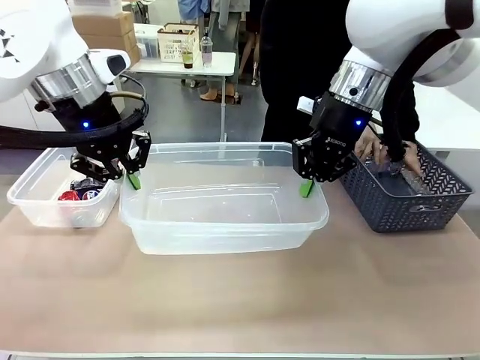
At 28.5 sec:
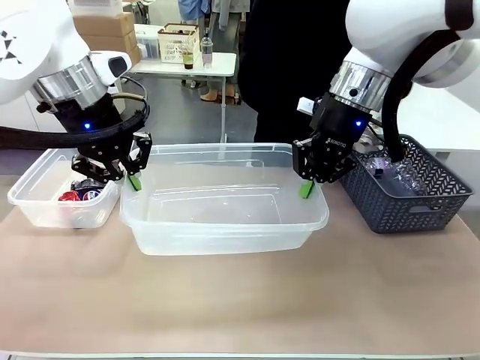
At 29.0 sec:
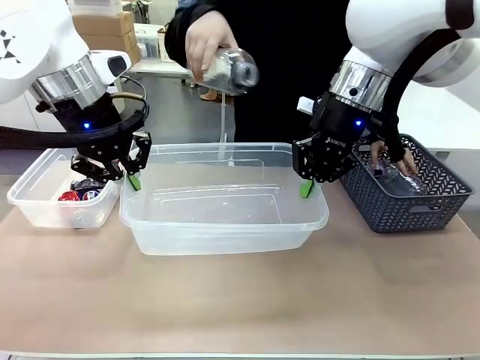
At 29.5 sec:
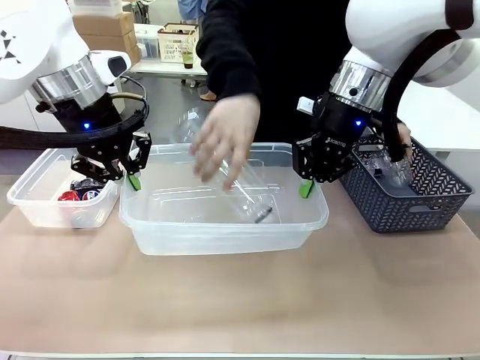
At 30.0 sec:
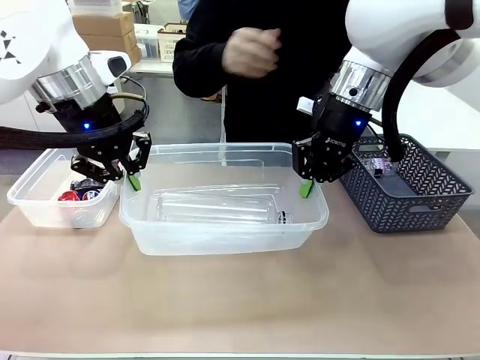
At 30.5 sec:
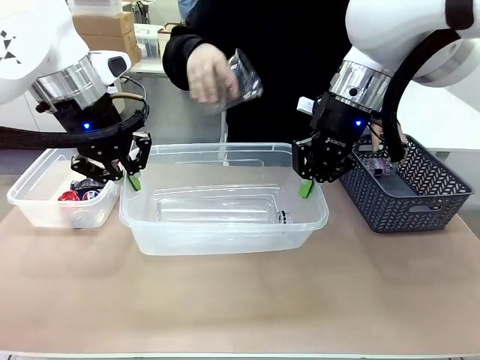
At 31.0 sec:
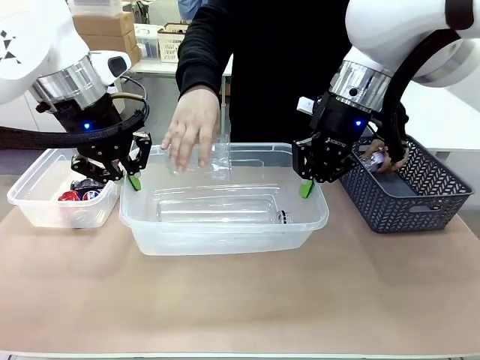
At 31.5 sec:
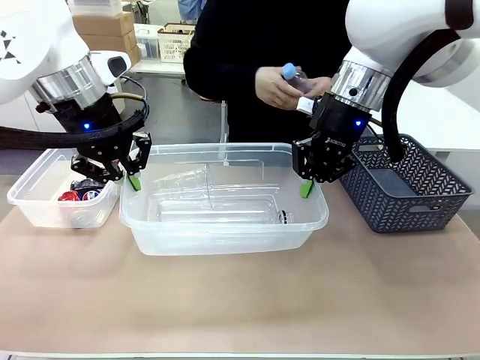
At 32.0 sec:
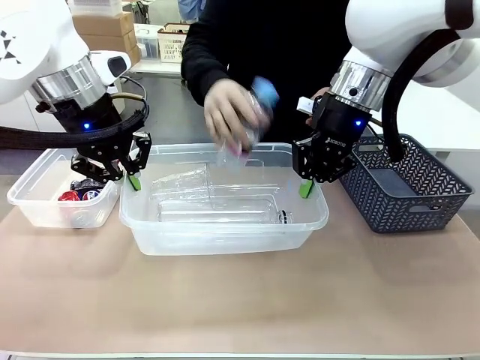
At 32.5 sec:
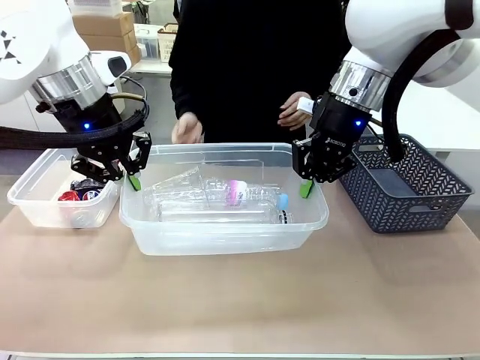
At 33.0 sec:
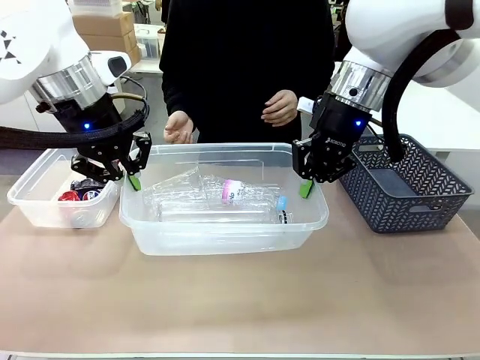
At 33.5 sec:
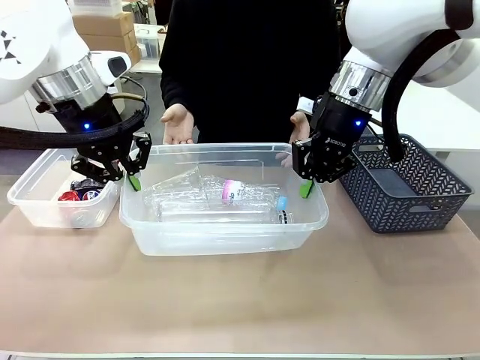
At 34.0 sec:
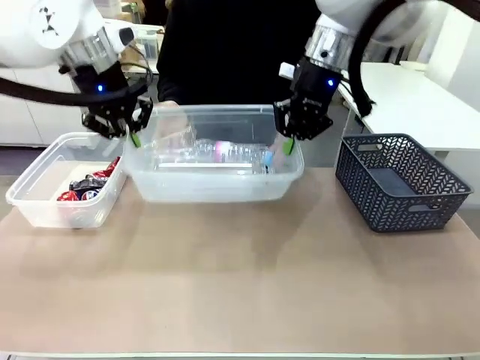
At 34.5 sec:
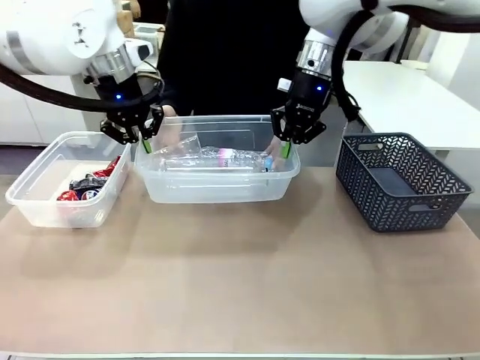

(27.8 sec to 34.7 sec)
Robot: Offer the picked Organizing box to the human.
Person: Pick up plastic waste one by one and place it into the organizing box lifted by the robot.

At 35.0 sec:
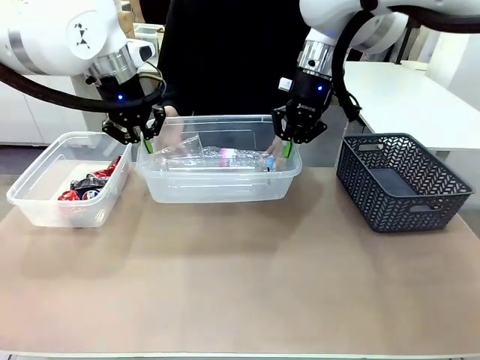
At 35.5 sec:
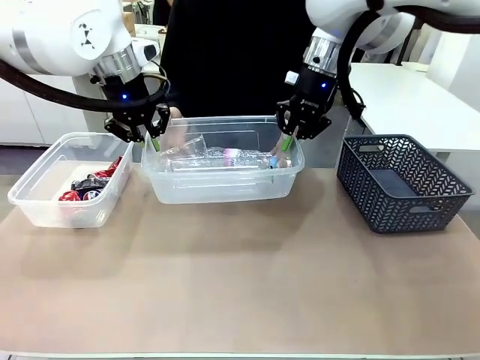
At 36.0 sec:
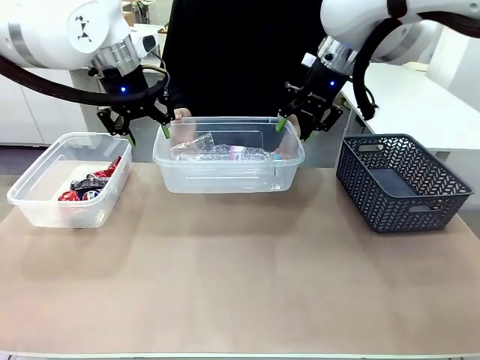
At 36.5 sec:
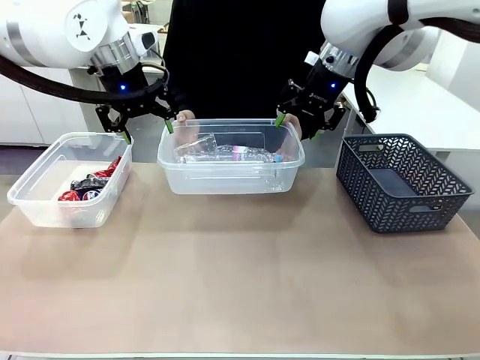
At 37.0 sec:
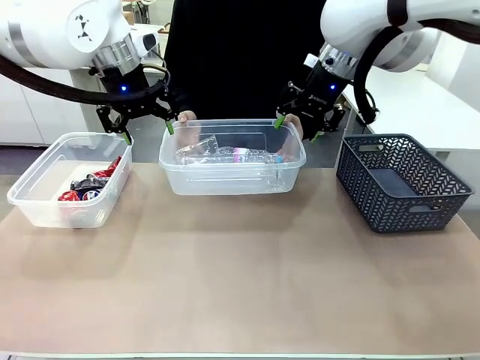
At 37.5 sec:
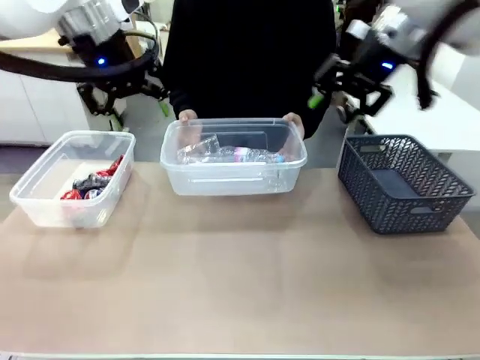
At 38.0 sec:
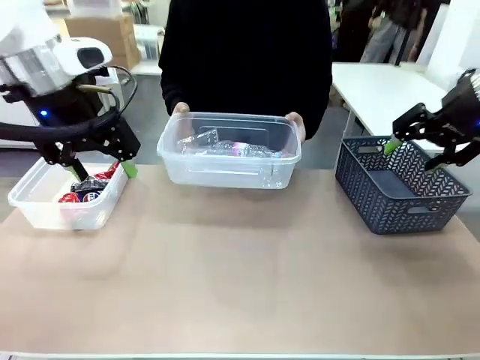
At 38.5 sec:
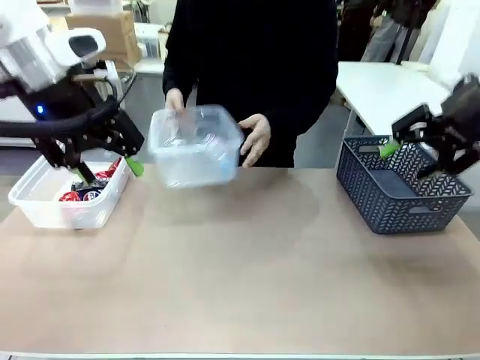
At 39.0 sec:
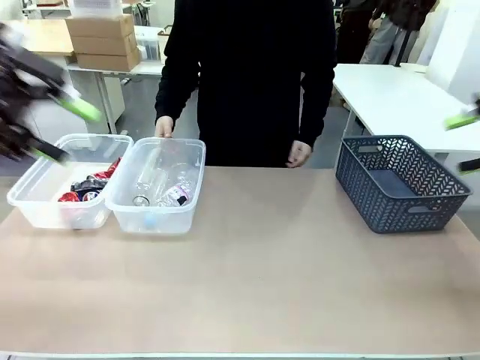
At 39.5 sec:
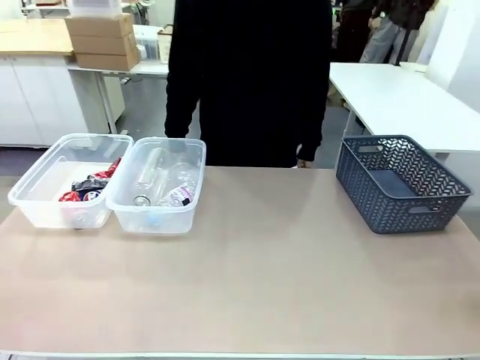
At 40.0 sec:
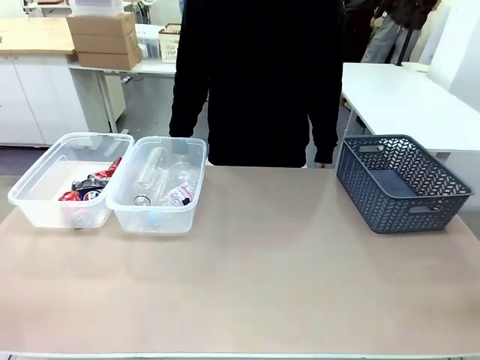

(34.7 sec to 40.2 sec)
Robot: Release the Organizing box you were holding.
Person: Pick up the organizing box extended by the robot. Place the organizing box to the left of the sorting box containing the can waste.

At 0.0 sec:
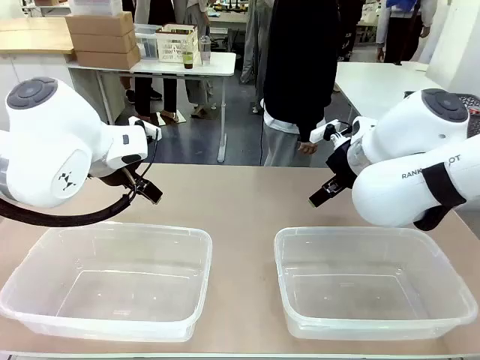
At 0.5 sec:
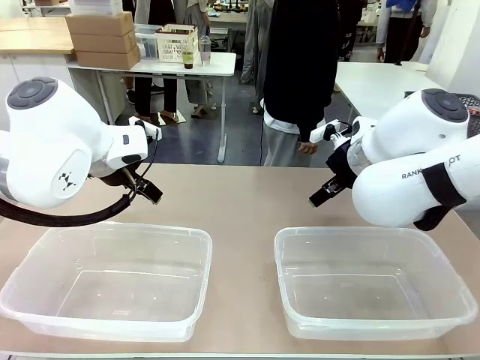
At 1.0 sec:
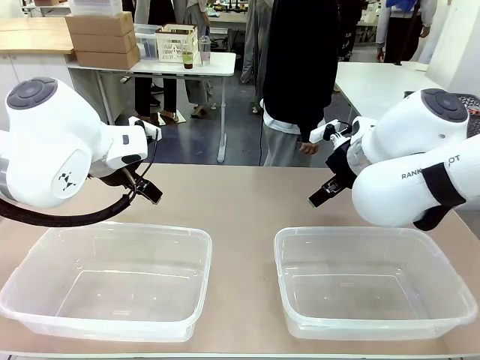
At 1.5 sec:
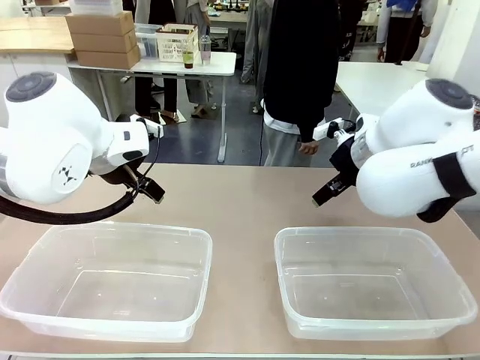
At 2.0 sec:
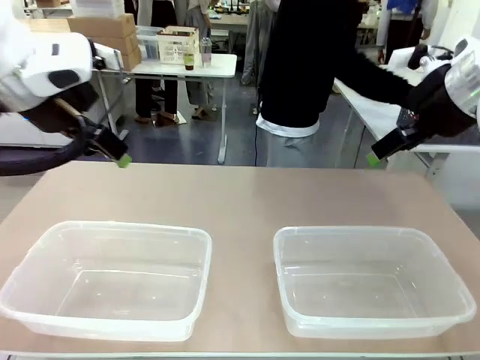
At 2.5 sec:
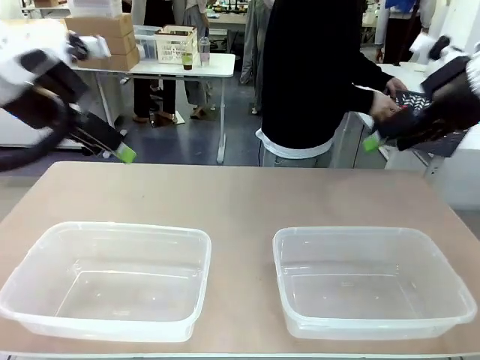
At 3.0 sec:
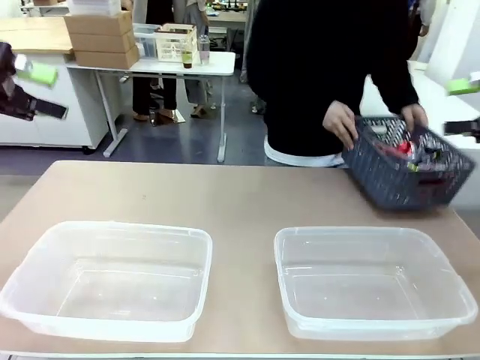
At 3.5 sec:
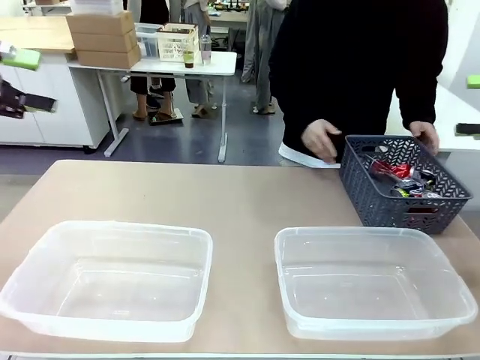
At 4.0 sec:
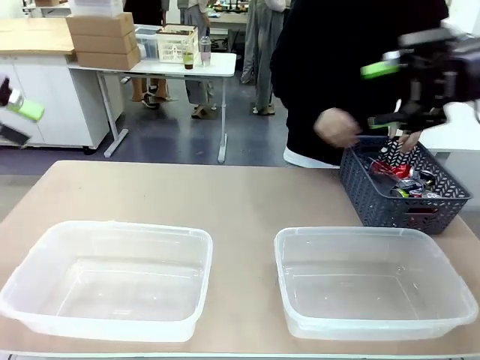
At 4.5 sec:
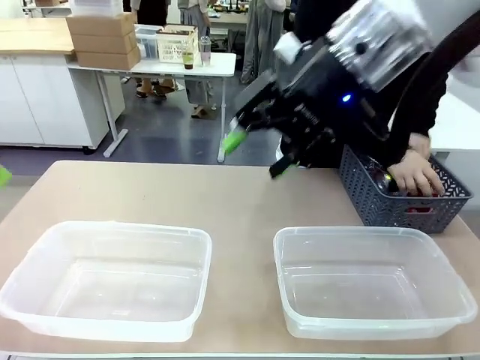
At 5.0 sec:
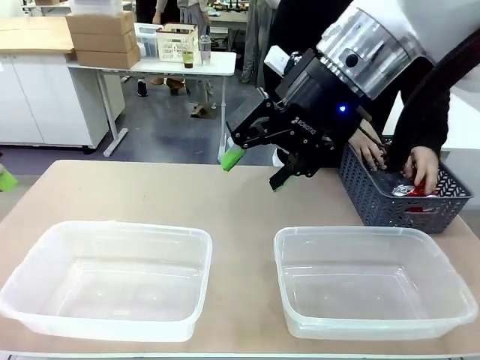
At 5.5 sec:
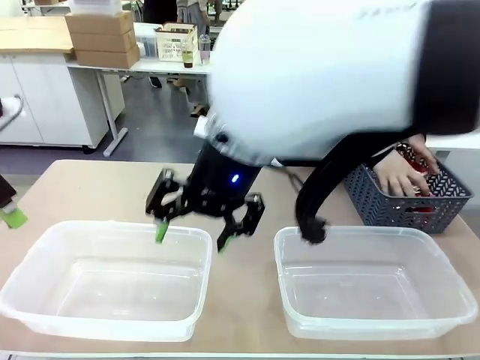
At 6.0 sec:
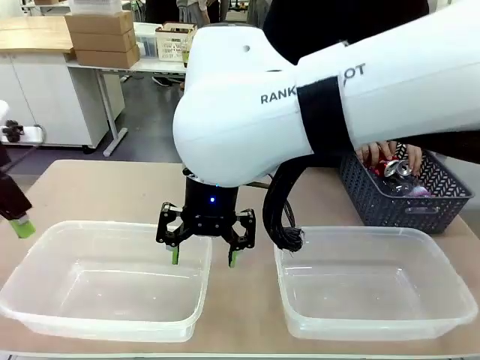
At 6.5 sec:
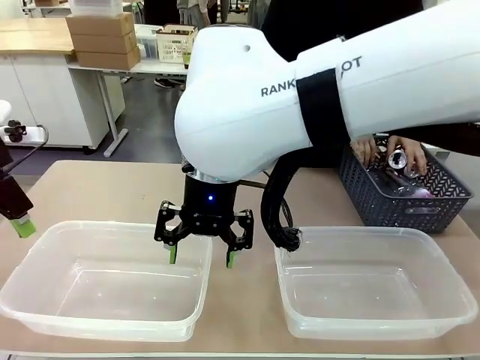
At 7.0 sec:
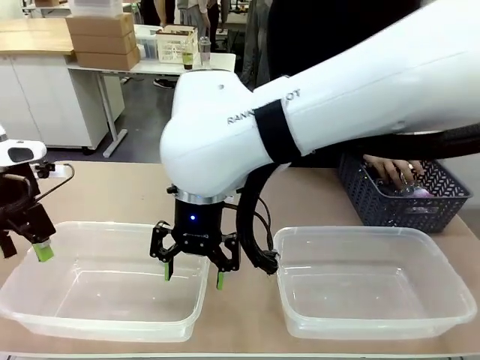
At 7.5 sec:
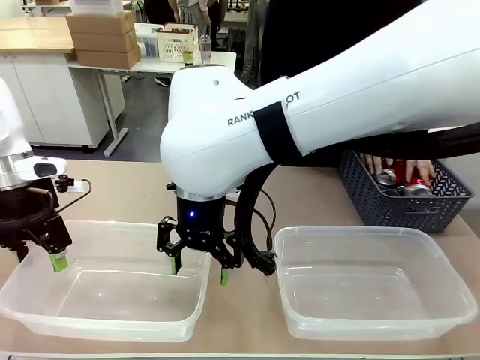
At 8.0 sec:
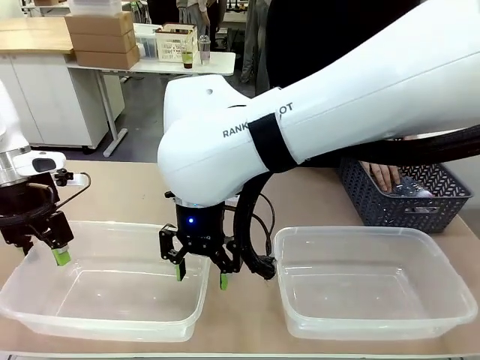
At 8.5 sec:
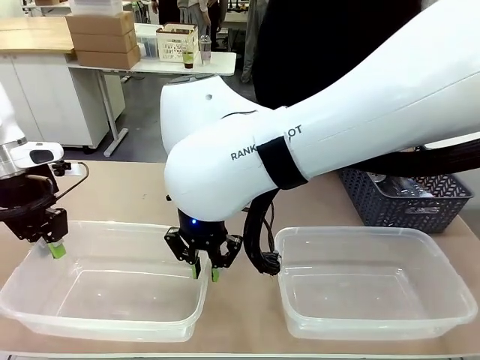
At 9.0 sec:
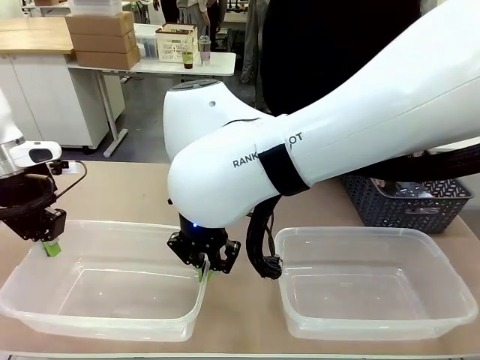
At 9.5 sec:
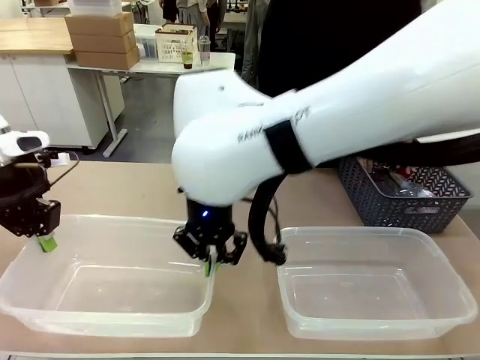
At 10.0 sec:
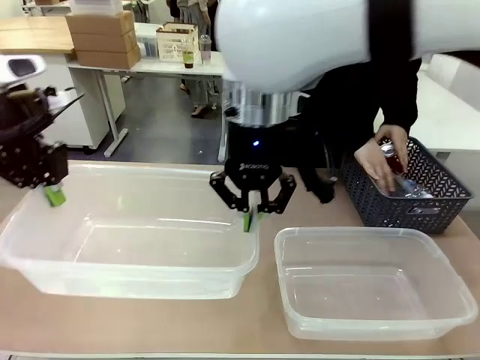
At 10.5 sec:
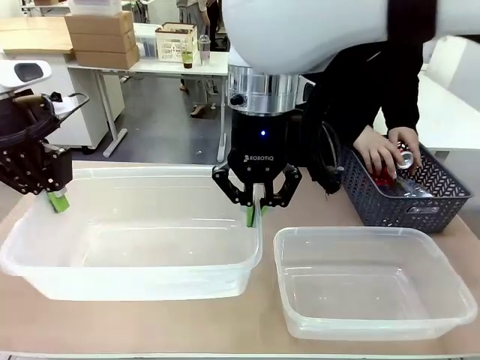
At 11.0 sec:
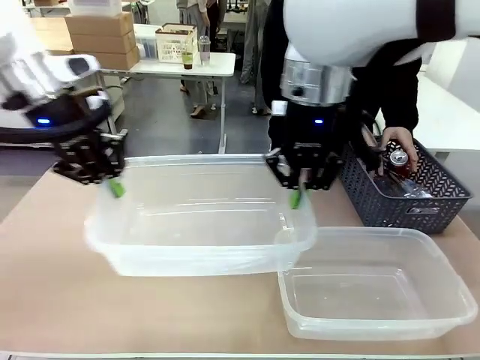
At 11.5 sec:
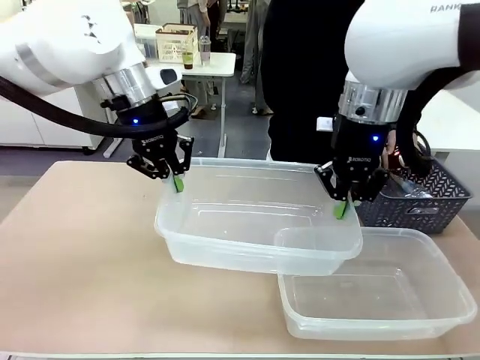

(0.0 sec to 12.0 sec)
Robot: Pick up the Organizing box on the left side of the table and lift it.
Person: Pick up the storage basket and place it on the left side of the robot table. Pick up can-shaped waste one by one and place it into the organizing box lifted by the robot.
